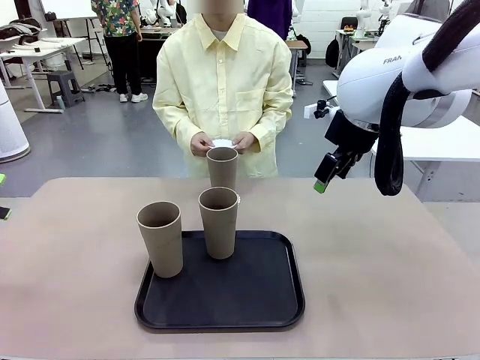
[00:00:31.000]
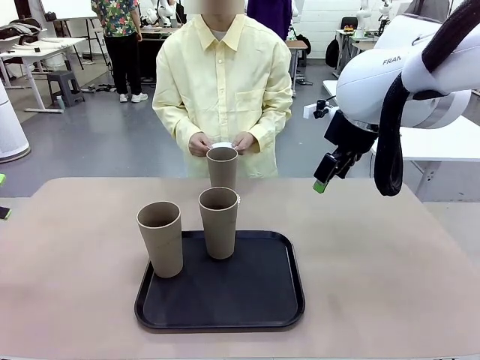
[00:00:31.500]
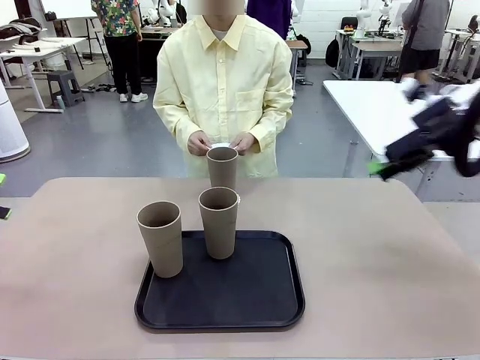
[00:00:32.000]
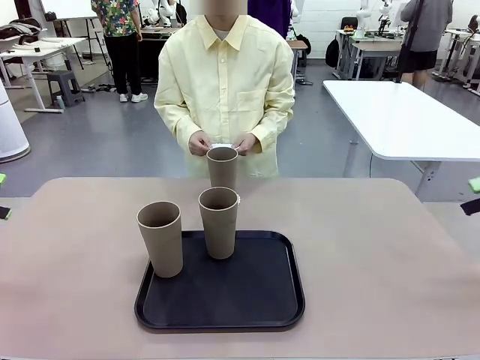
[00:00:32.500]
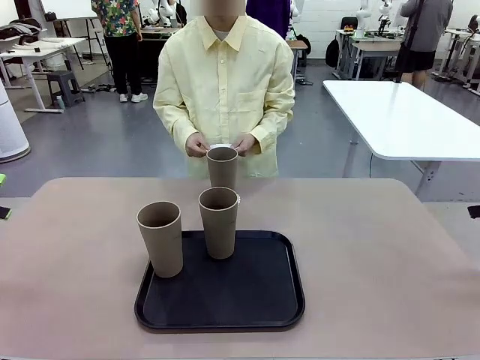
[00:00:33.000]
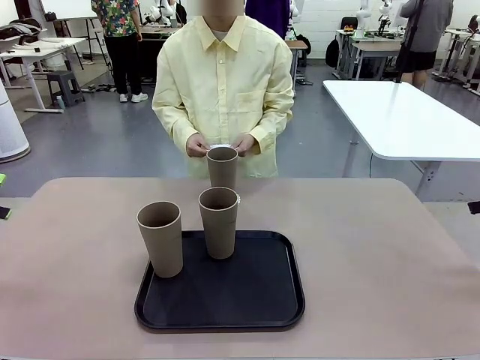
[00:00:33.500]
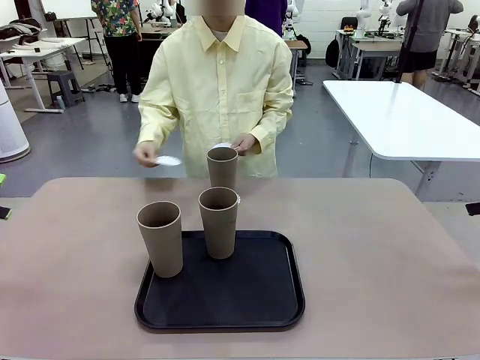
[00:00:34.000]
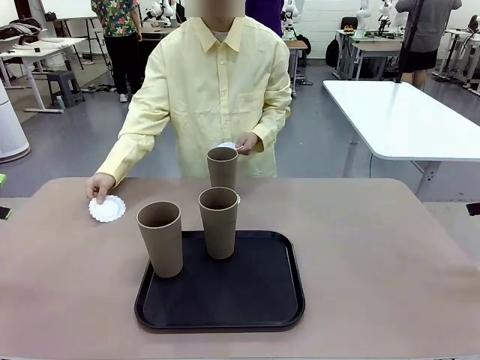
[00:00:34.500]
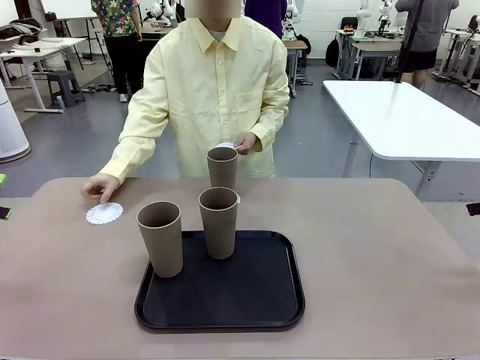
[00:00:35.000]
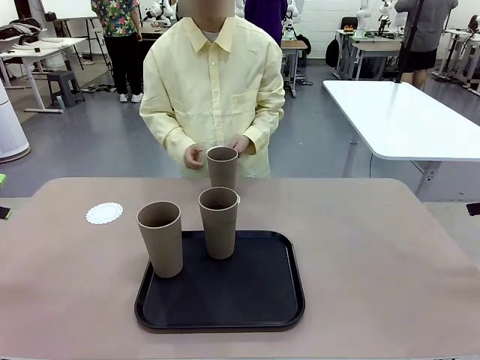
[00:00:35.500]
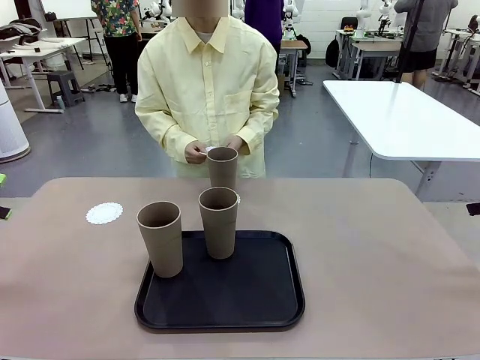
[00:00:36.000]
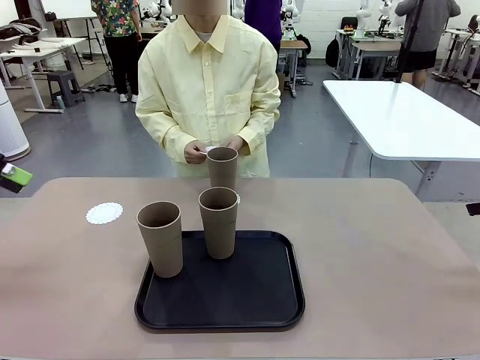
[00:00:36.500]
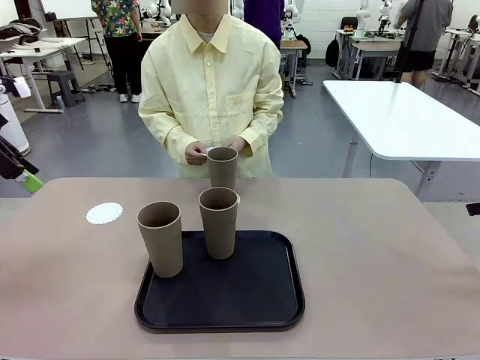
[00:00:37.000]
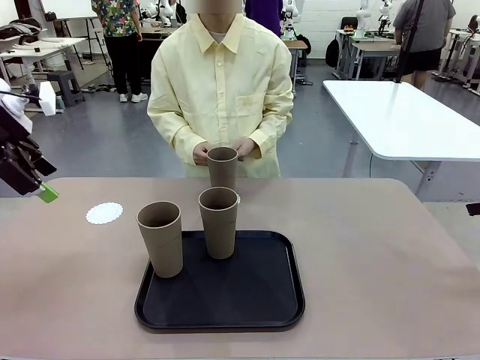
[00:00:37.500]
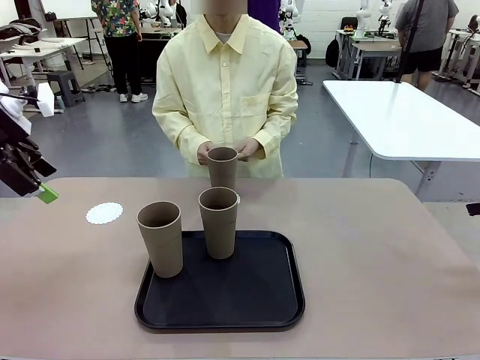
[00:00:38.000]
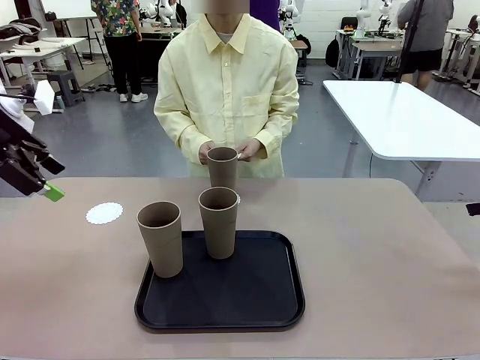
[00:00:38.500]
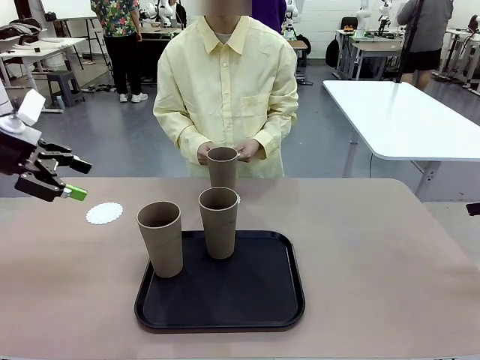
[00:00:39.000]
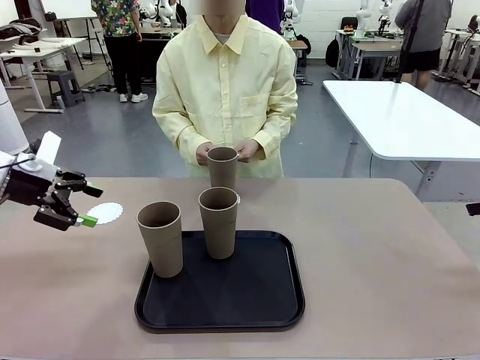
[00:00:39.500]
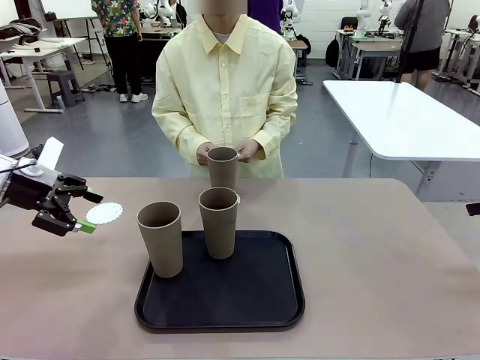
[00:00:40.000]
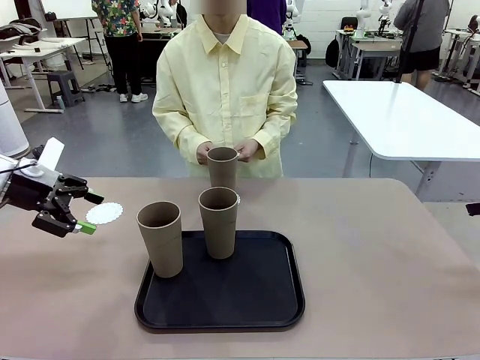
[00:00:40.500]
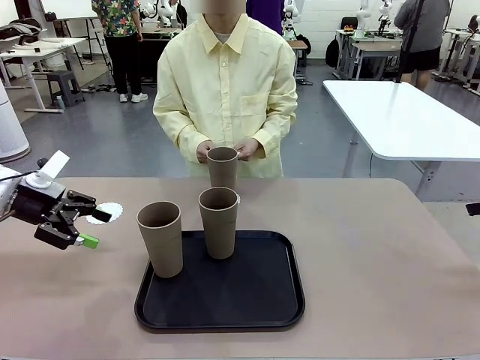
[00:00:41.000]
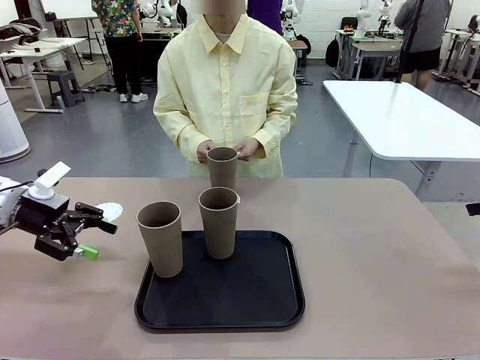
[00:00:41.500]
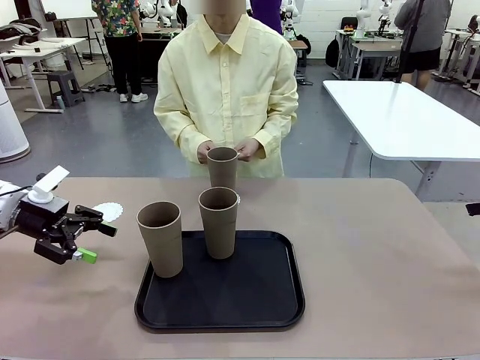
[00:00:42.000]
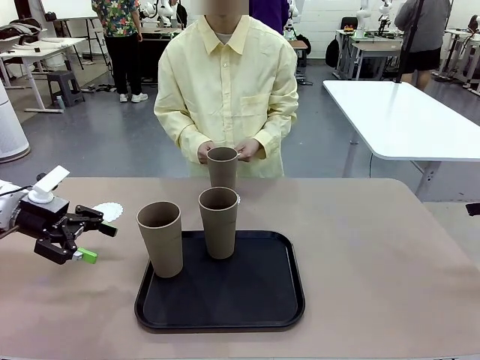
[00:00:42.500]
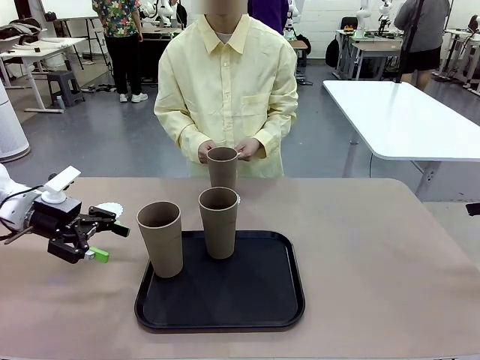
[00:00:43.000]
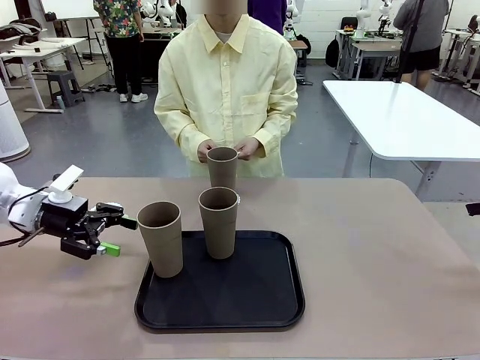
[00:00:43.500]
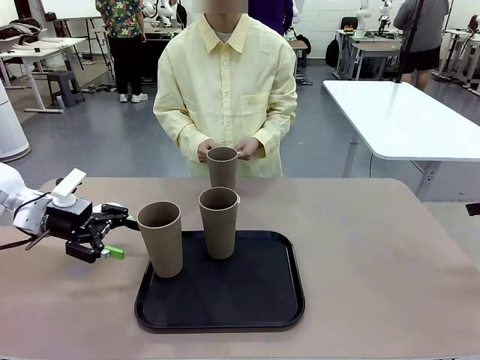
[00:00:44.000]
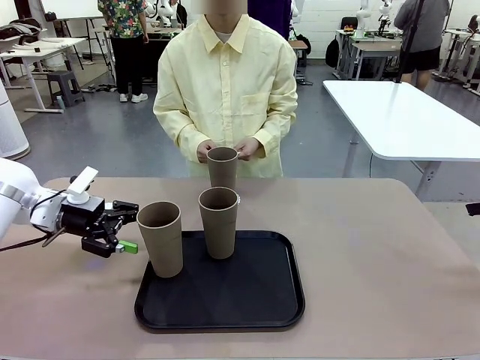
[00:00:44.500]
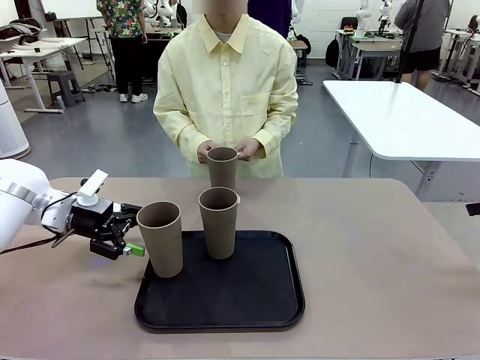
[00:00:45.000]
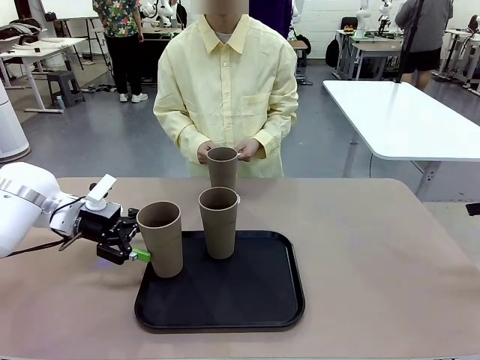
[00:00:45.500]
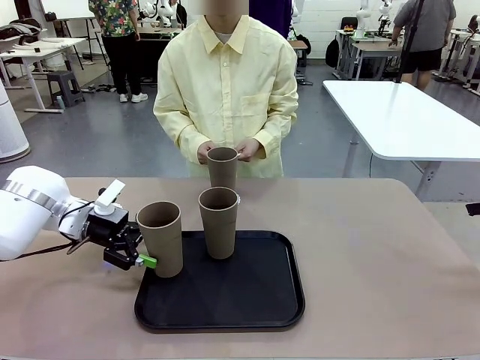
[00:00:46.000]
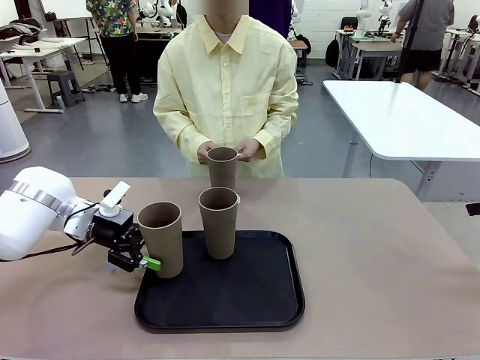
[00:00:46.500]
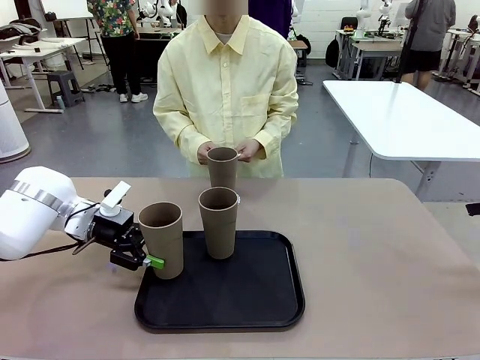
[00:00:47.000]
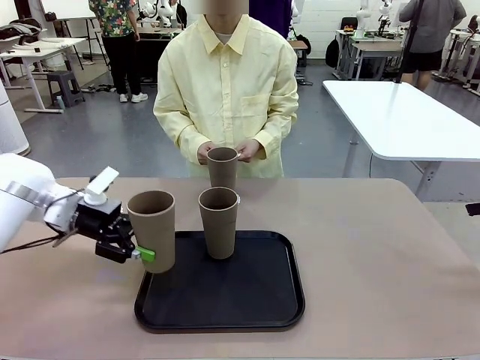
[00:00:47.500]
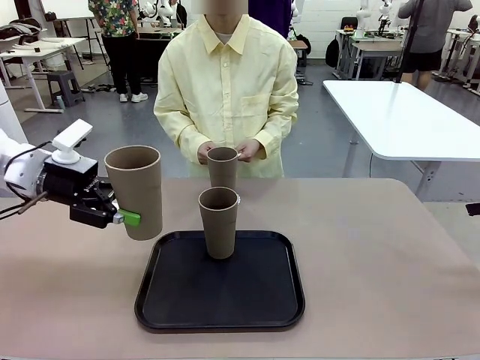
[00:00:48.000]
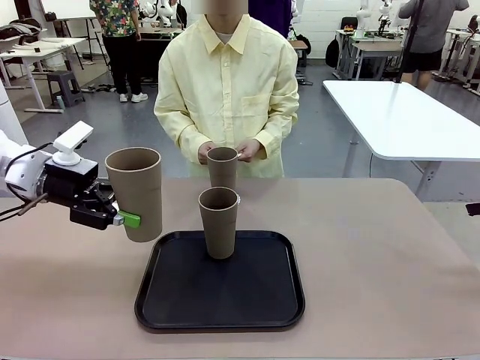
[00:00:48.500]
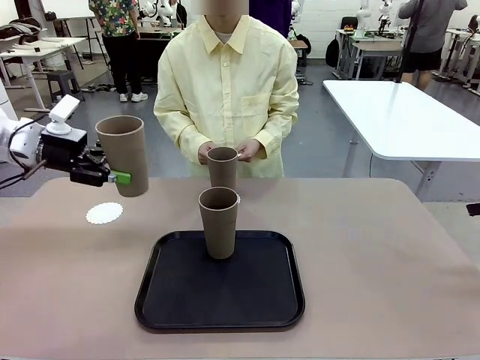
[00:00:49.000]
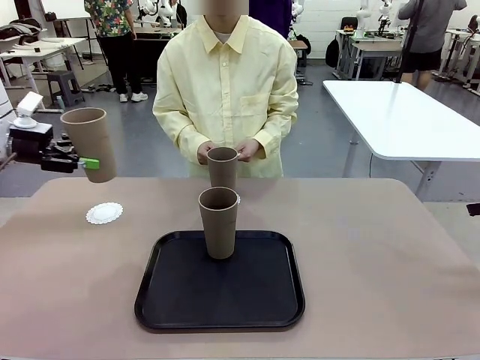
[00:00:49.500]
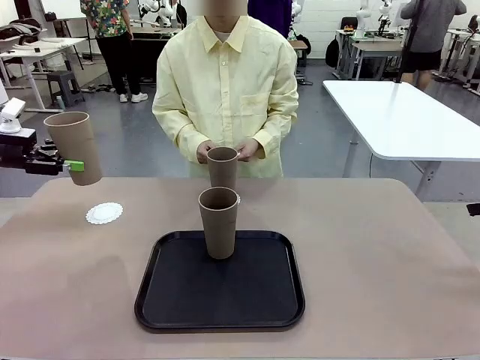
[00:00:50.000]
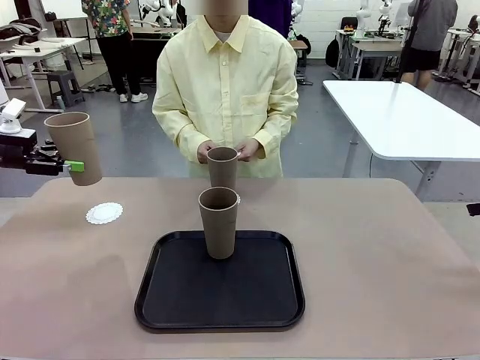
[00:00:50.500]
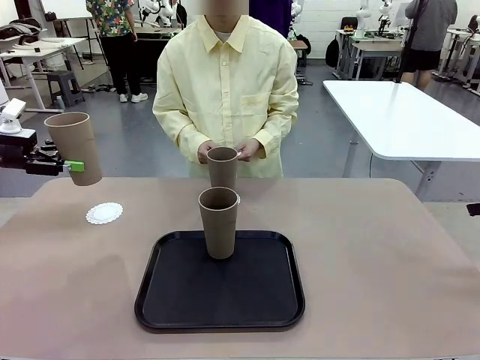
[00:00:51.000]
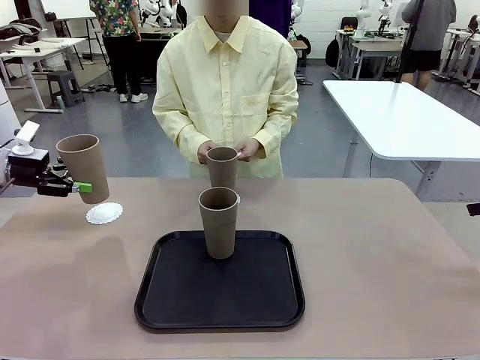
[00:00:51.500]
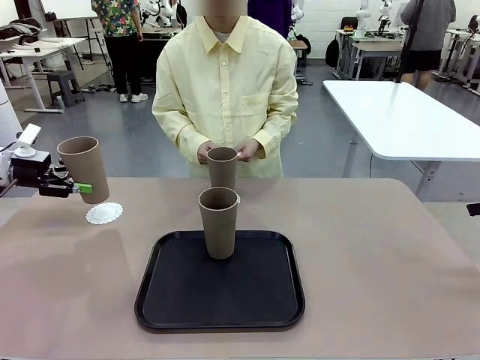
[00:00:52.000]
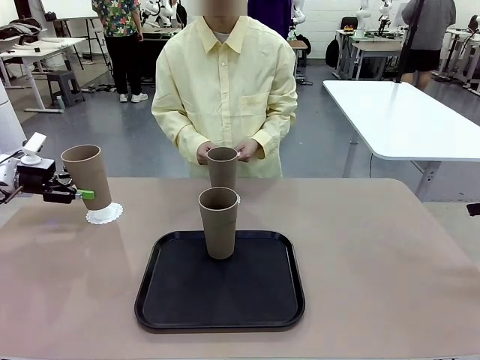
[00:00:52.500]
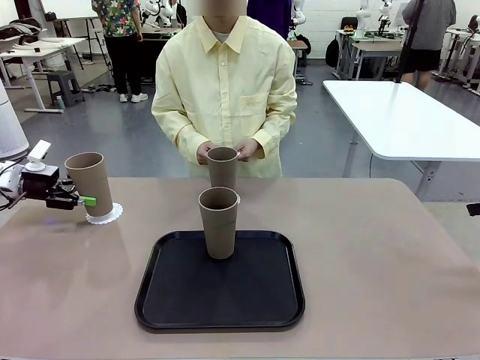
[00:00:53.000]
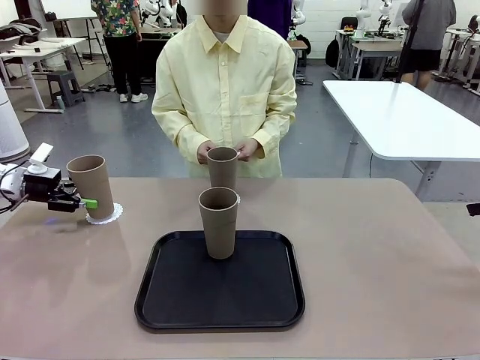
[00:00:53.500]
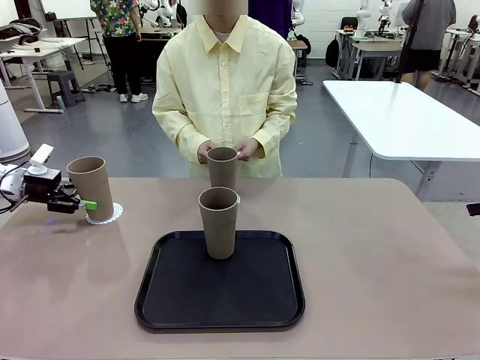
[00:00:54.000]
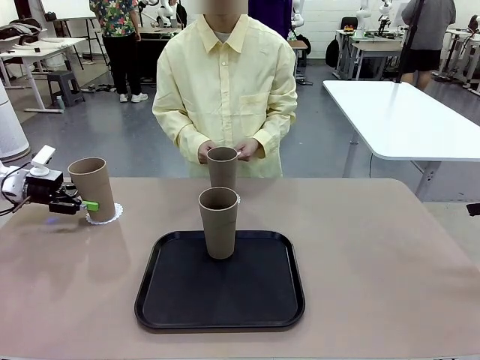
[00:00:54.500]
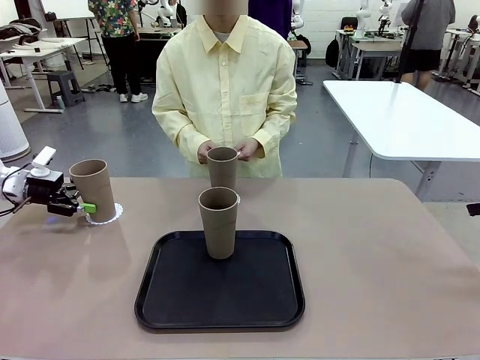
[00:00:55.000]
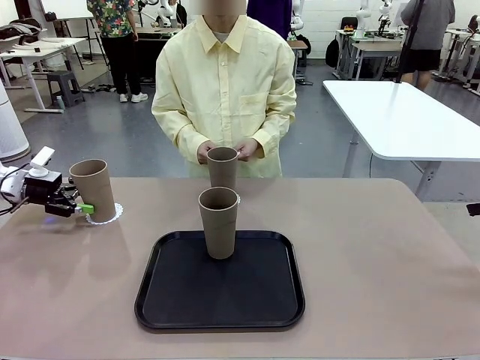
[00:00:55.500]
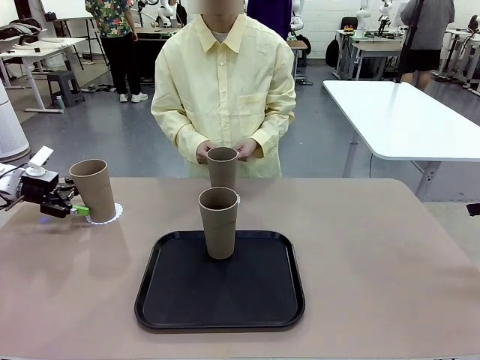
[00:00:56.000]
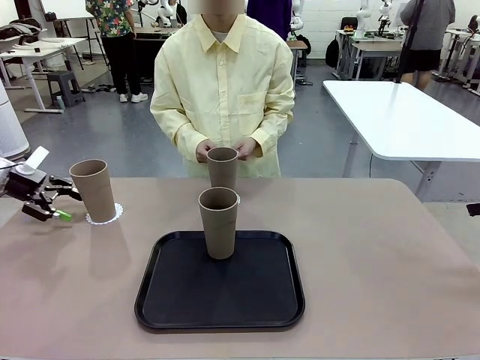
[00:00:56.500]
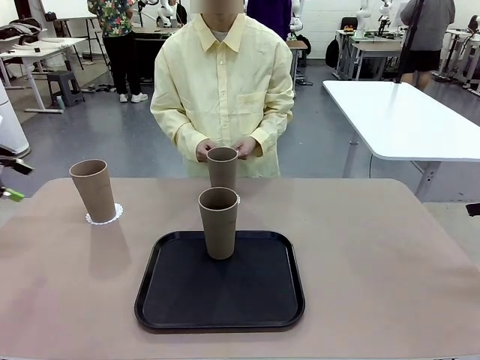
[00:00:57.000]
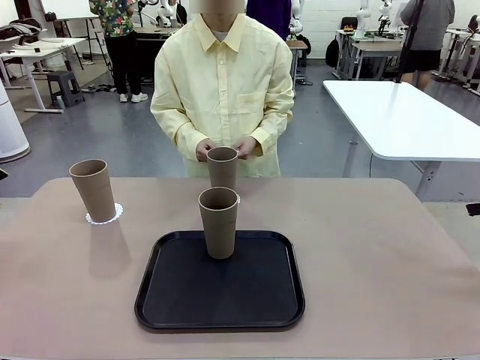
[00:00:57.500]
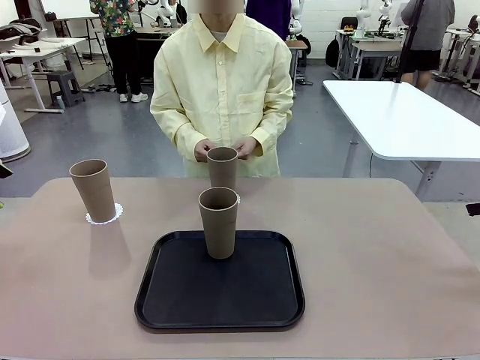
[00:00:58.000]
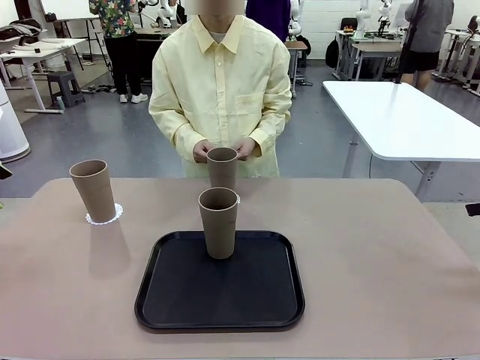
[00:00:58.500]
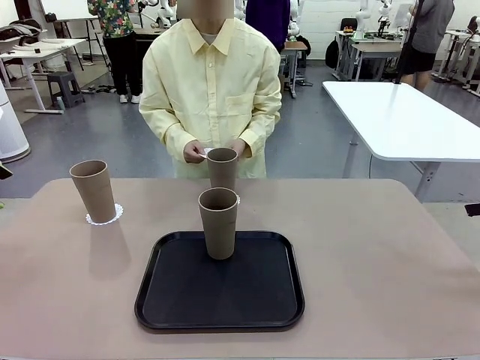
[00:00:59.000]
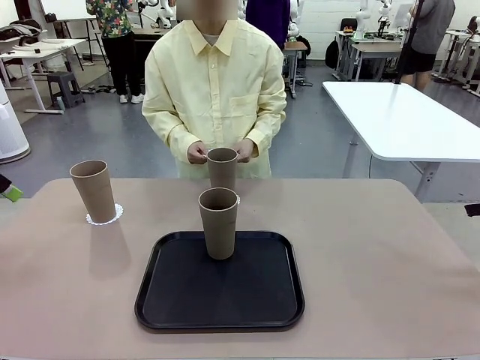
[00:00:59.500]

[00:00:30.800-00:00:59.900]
Task: Place coasters on the table and set cups on them.
Robot: Take one Reusable plastic cup from the Flat Tray and place it on a coaster set by the human.
